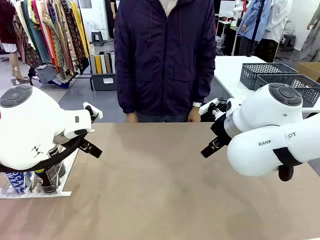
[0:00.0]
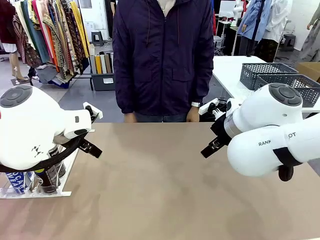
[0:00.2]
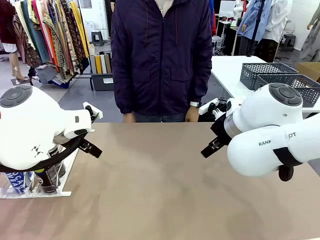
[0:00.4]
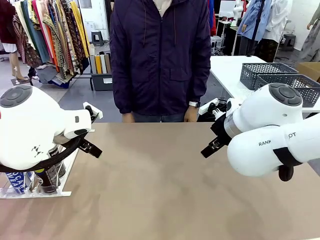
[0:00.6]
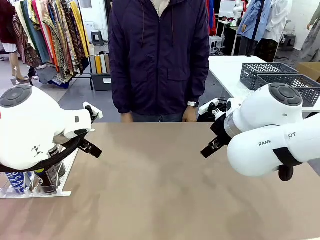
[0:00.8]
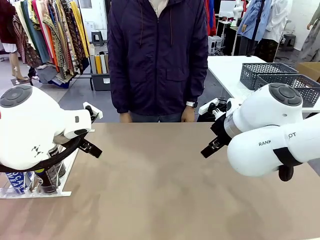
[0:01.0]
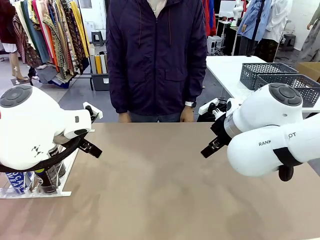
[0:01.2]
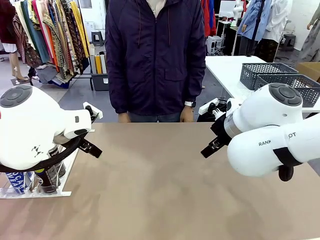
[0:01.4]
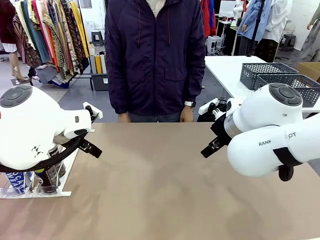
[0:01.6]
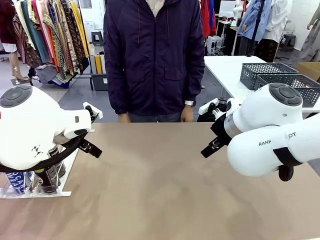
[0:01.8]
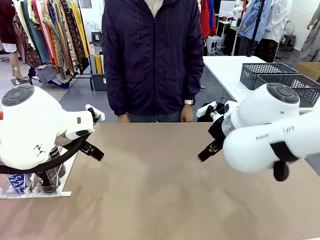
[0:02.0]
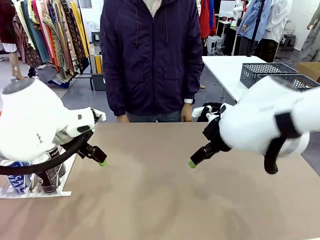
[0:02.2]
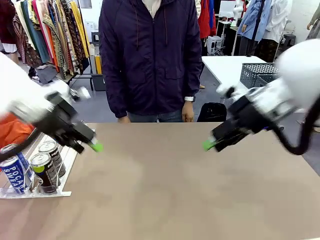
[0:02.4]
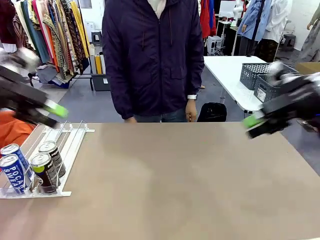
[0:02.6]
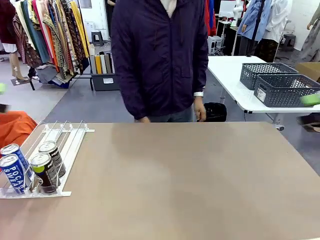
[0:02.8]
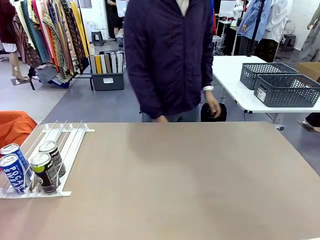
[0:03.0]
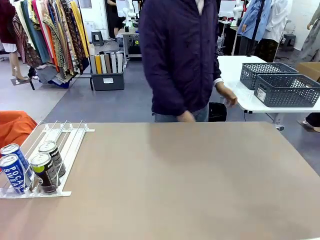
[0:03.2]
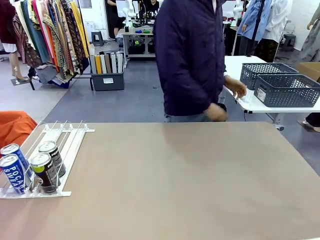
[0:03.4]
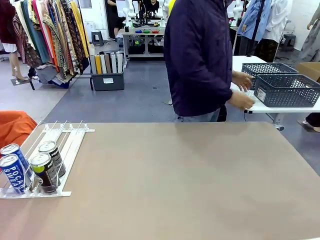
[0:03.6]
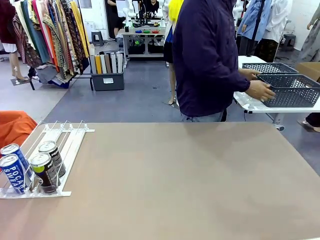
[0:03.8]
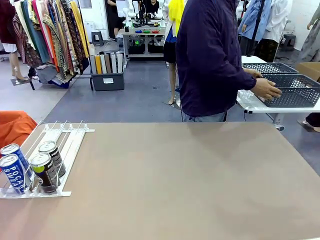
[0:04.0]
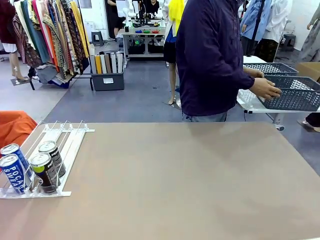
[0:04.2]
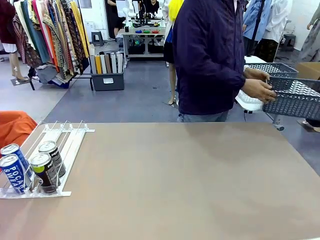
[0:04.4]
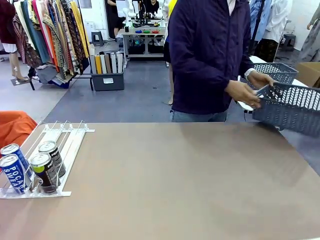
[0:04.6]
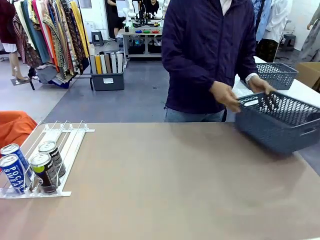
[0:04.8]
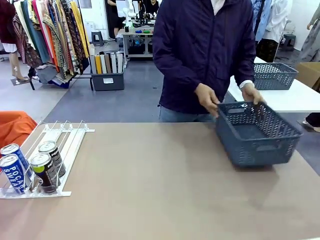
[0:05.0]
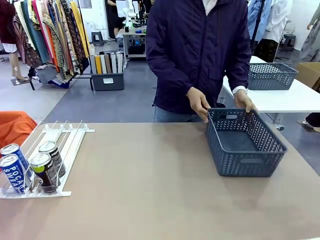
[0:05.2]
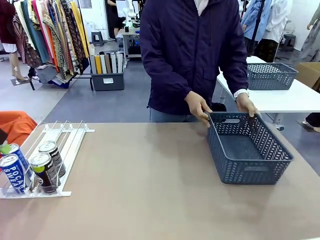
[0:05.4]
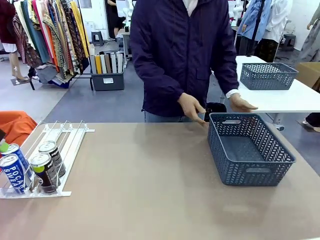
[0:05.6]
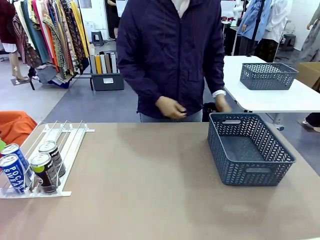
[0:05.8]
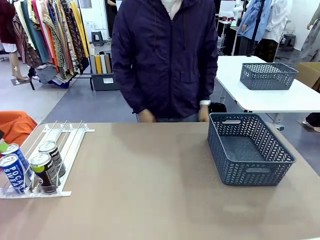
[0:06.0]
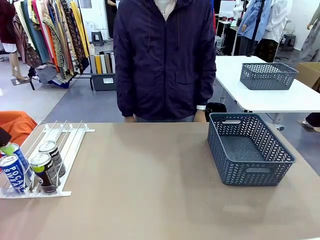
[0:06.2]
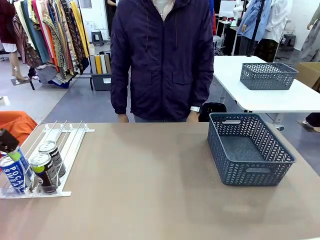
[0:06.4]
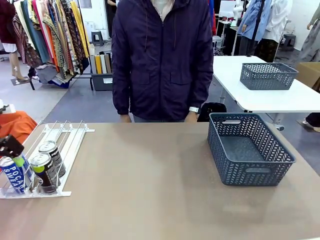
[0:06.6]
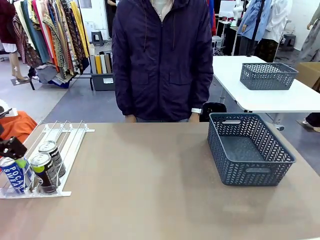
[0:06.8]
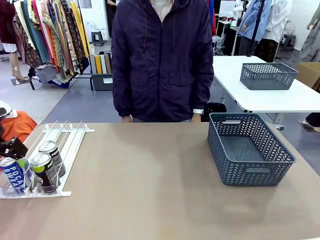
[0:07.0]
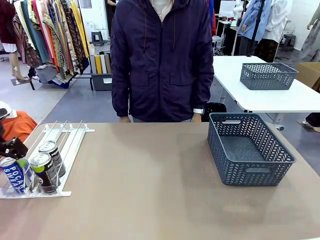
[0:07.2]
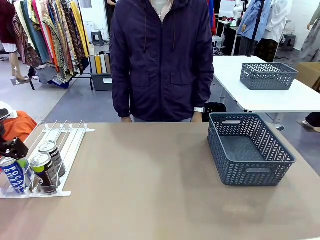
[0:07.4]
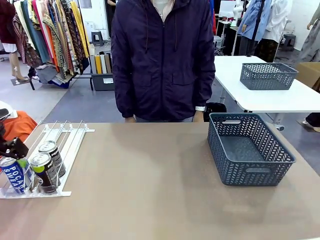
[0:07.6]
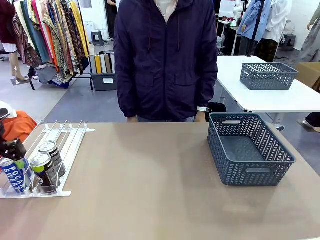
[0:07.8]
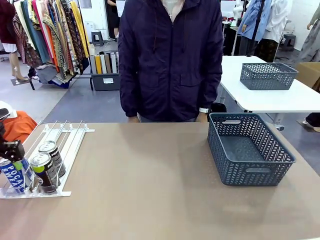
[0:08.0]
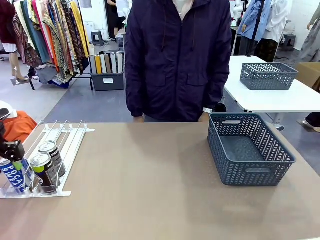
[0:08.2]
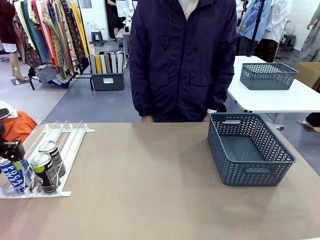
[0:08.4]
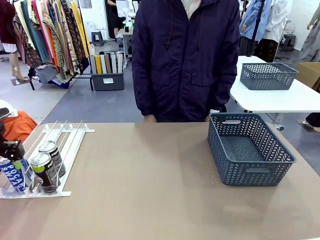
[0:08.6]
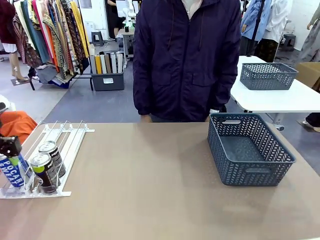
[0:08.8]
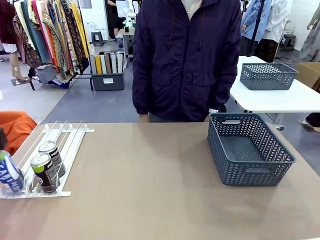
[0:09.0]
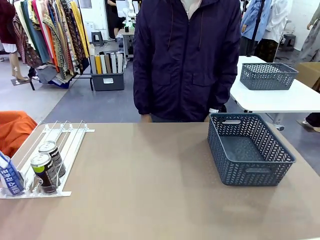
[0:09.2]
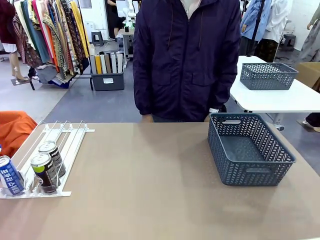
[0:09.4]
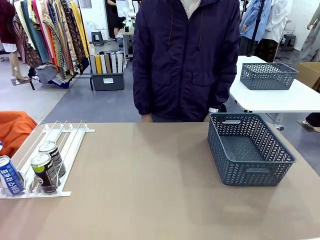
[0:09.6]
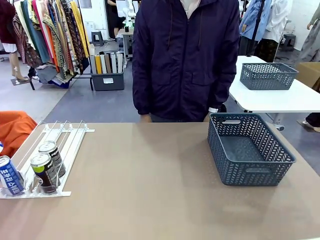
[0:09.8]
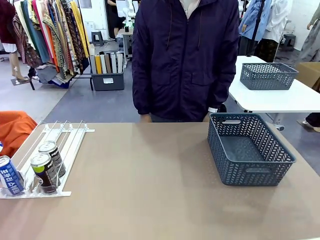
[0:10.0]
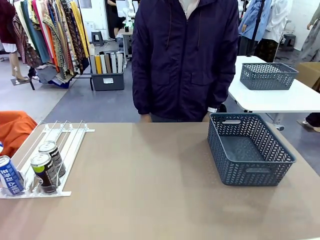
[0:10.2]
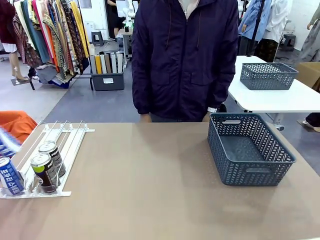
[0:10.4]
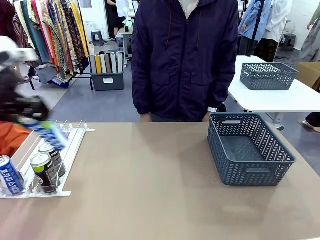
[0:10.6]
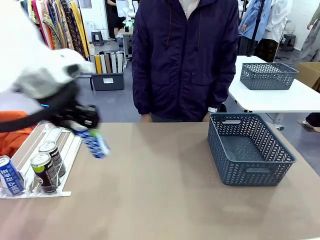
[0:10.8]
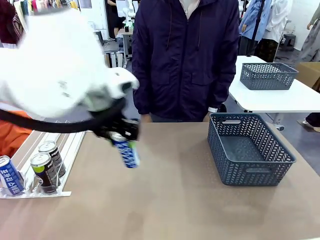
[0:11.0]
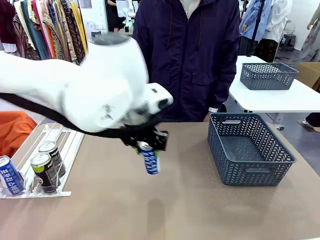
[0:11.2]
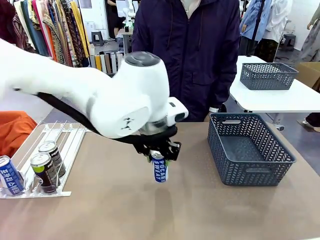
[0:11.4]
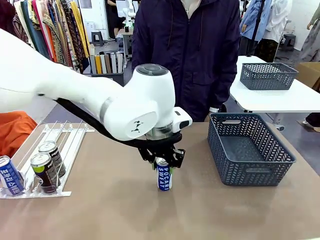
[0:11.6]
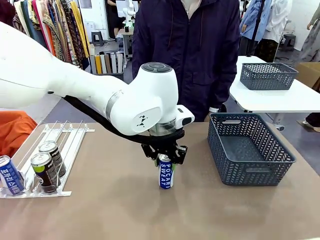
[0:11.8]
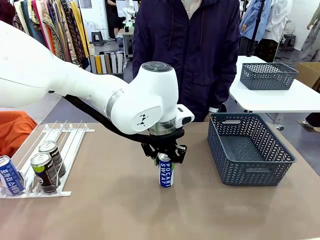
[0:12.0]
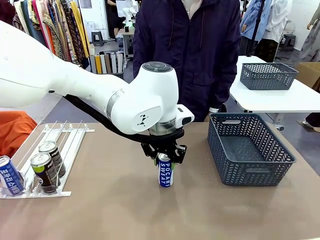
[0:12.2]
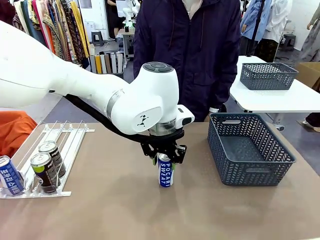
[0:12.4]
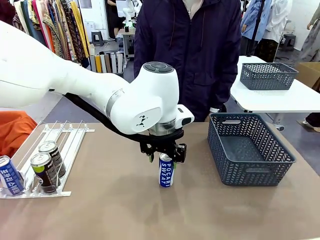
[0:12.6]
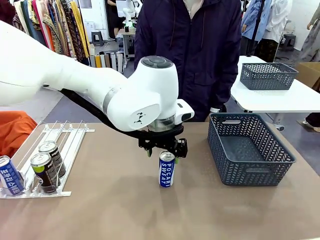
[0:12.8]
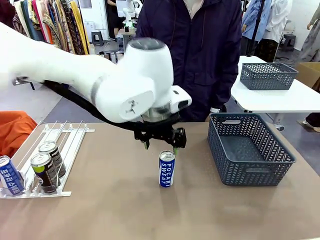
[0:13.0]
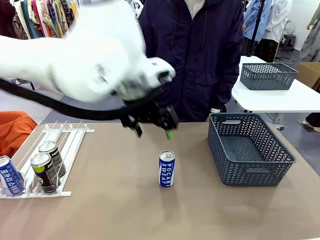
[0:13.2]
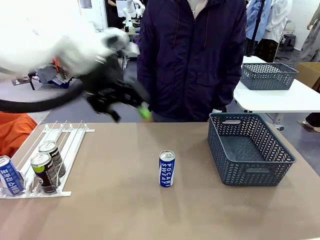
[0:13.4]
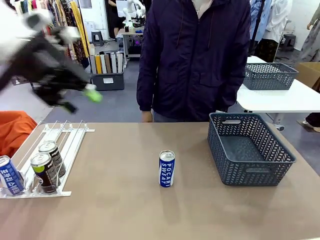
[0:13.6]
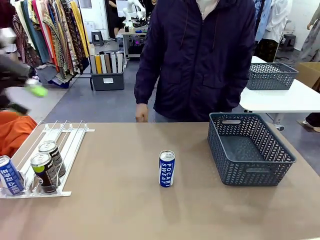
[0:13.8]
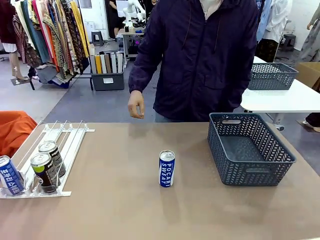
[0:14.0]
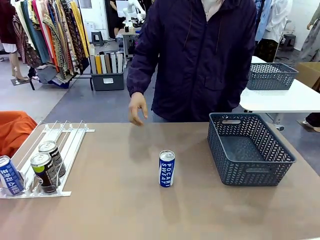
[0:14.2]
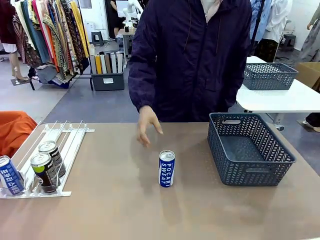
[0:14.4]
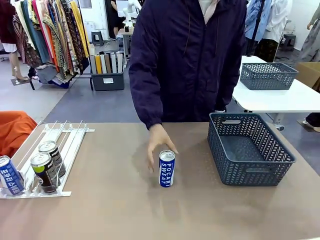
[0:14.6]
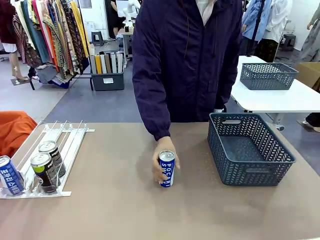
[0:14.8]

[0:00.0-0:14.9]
Task: Retrieve and store the cans from the dispenser.
Robot: Pick up one can from the Automatic Can Dispenser and place it in the middle of the table.
Person: Pick up the basket and place it on the left side of the robot table.

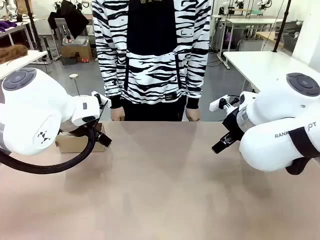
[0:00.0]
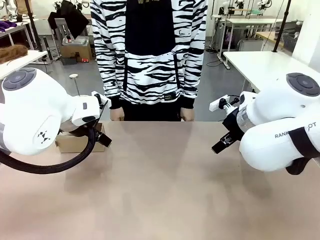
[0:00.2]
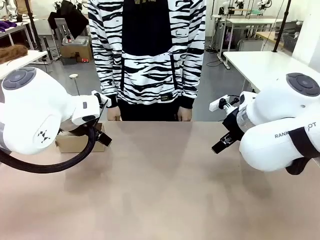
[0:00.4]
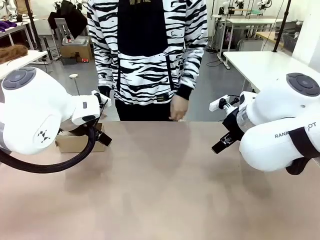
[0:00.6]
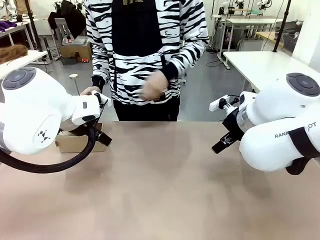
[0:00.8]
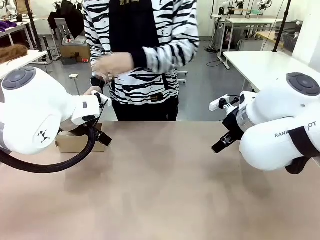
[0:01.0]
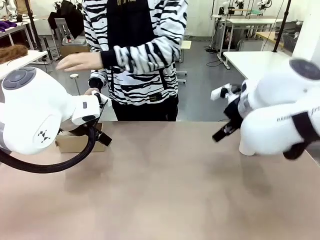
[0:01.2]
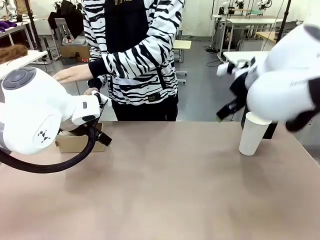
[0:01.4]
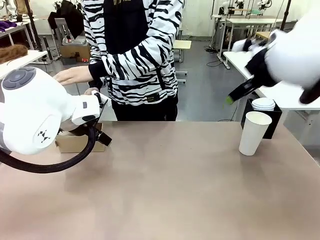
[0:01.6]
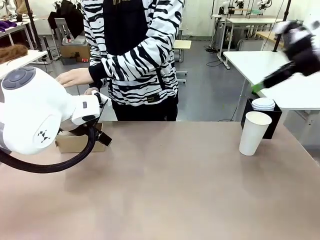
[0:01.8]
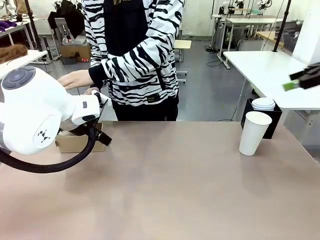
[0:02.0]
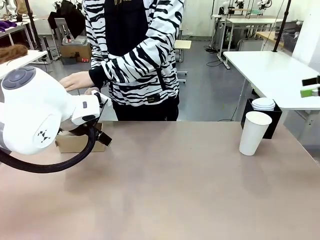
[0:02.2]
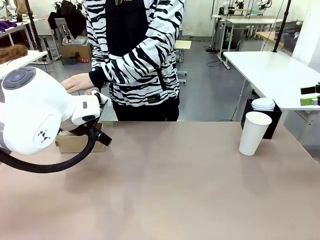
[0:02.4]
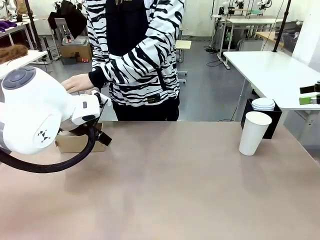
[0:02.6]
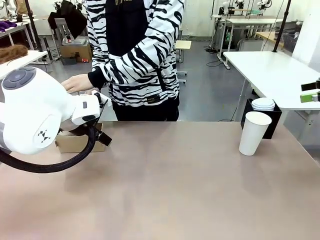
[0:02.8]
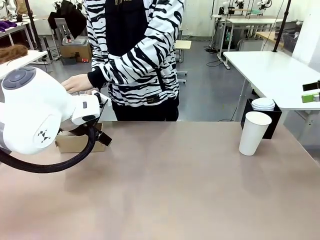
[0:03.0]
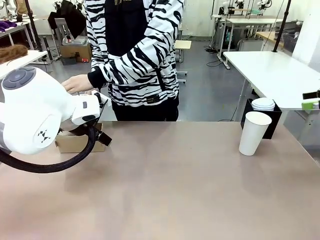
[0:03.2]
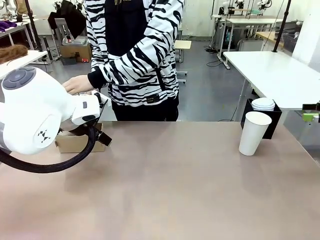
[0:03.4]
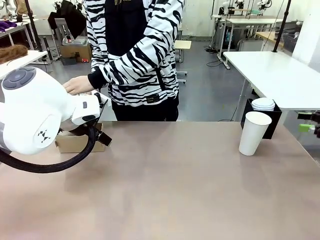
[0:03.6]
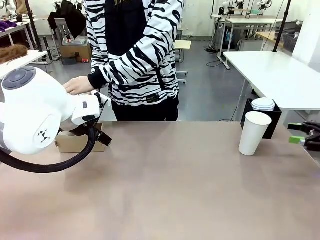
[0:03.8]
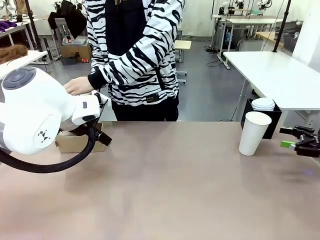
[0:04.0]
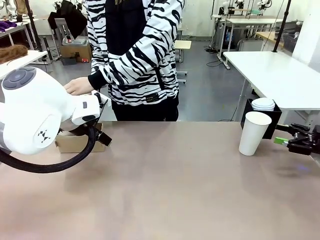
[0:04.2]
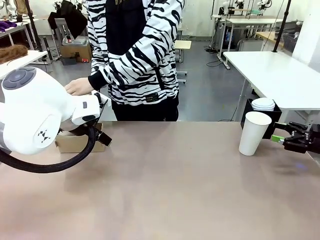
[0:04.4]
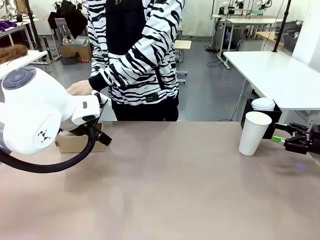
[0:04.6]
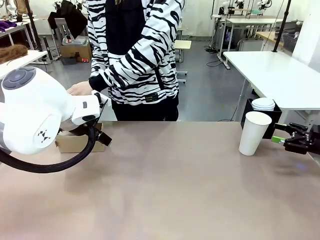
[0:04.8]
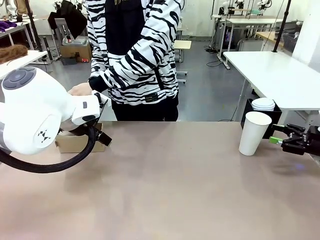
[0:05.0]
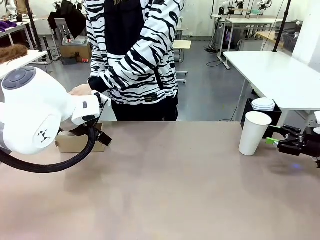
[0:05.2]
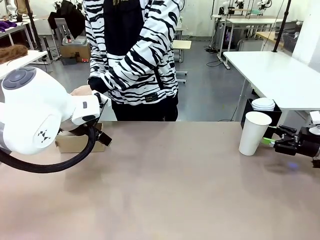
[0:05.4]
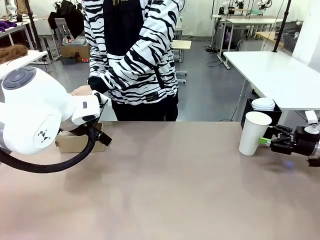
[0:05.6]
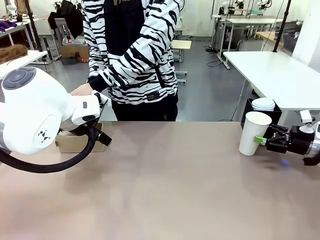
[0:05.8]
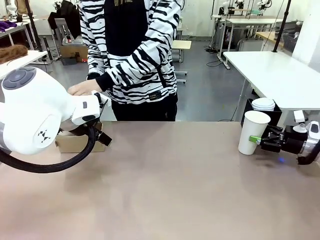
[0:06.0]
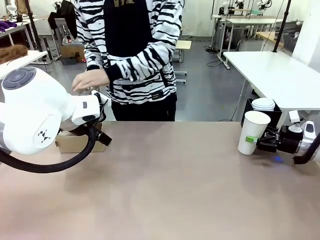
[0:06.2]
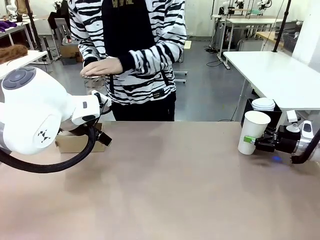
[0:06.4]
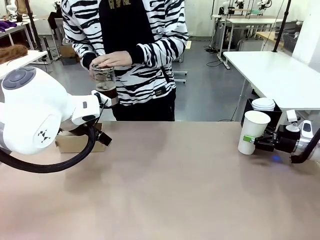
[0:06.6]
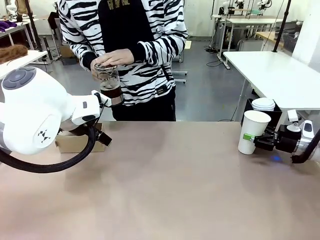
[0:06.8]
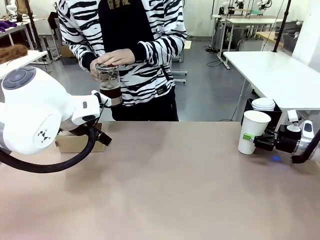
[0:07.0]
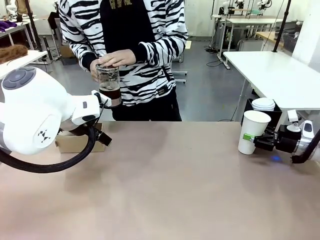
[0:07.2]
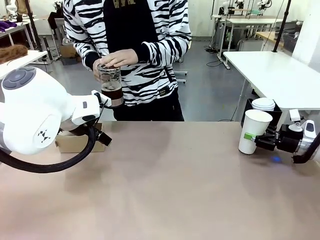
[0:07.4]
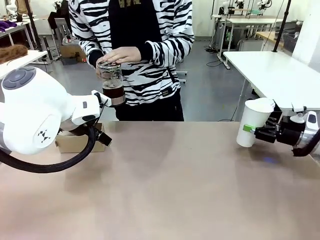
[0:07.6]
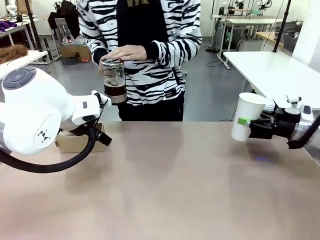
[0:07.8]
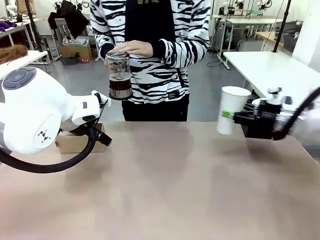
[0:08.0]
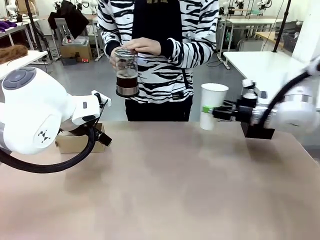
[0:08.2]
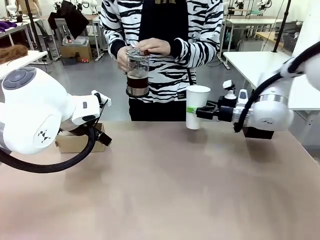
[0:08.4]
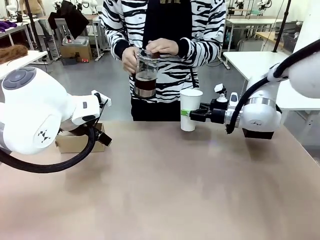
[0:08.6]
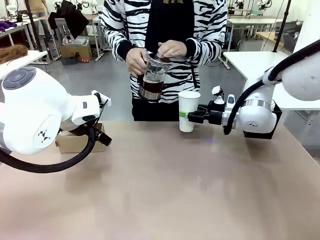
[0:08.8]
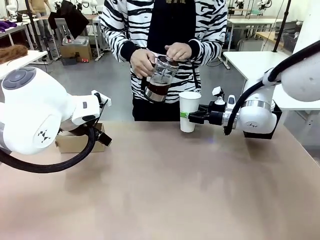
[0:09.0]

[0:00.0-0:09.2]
Task: Pour a drink into a cup and package it in a carrier.
Robot: Pick up the 600 ml Paper Cup and place it in the middle top area of the table.
Person: Press and pick up the Filter Brewing.
